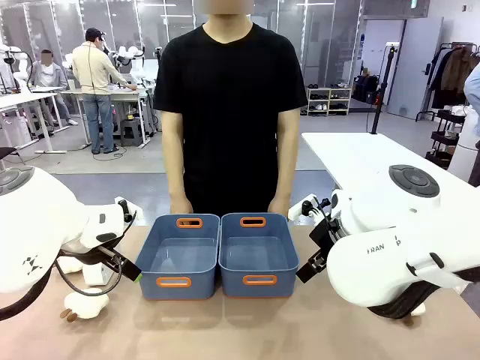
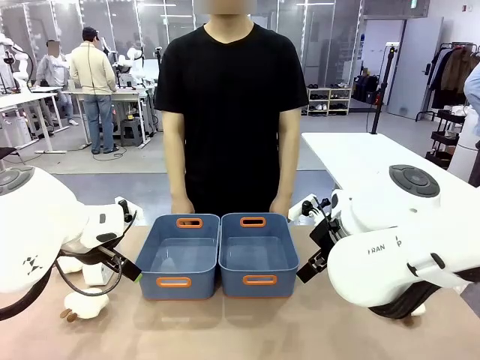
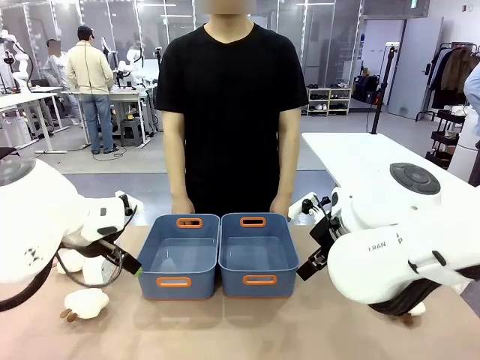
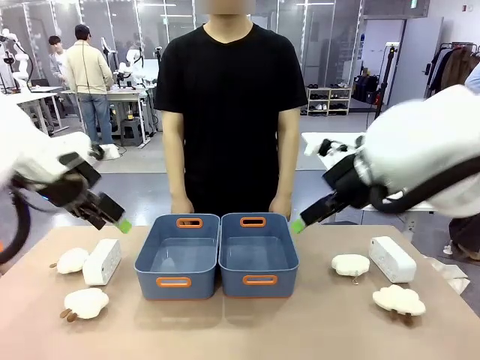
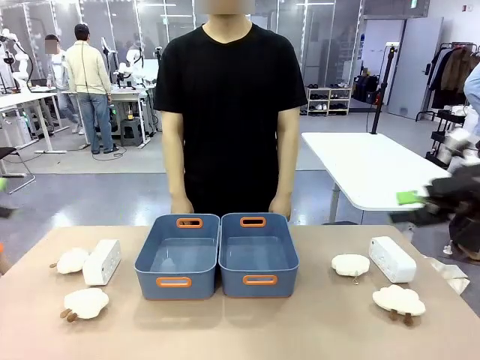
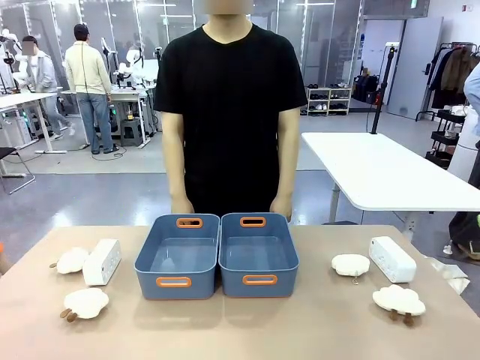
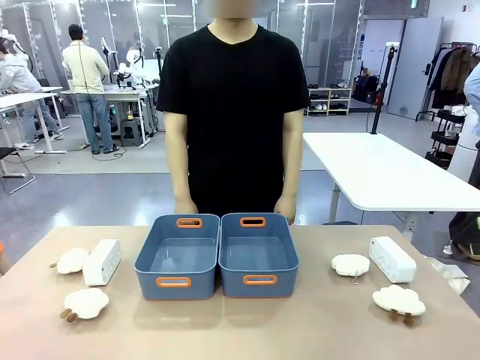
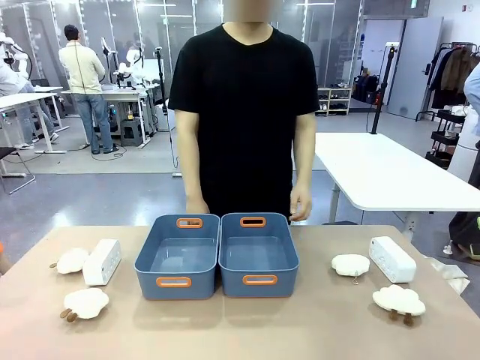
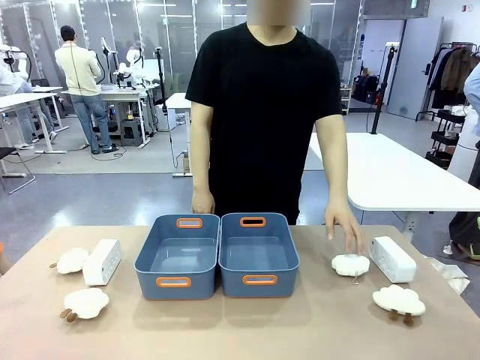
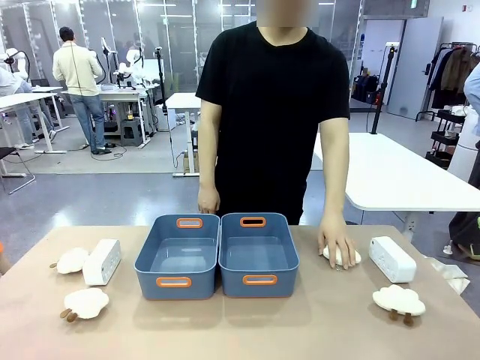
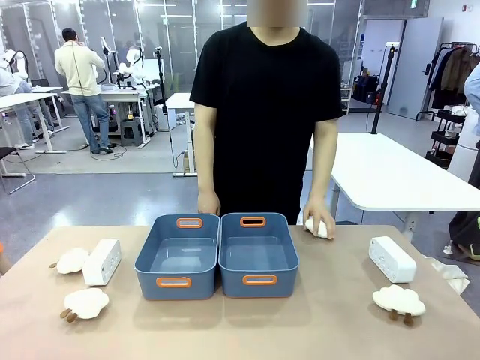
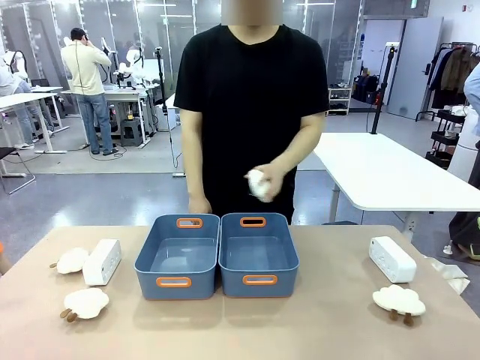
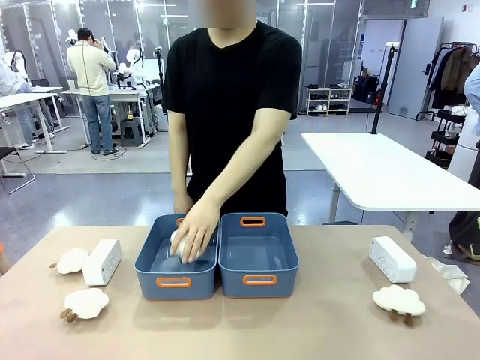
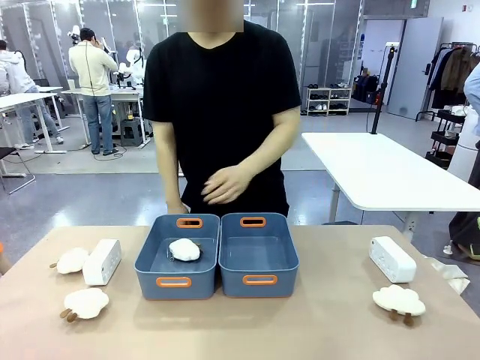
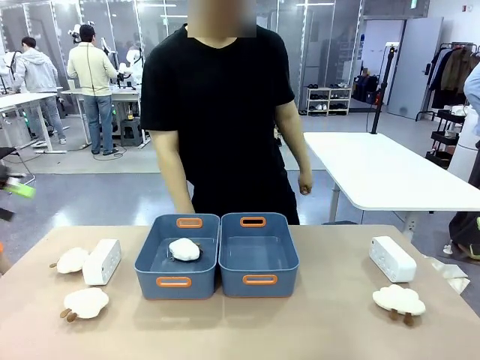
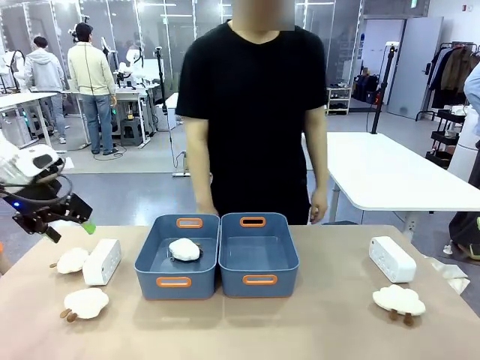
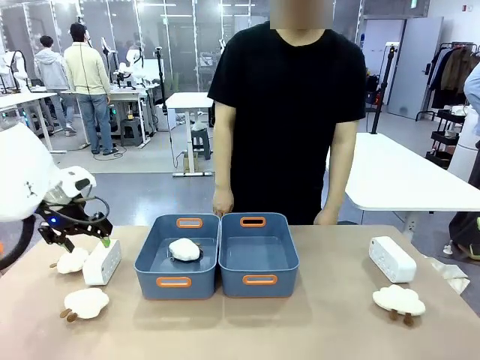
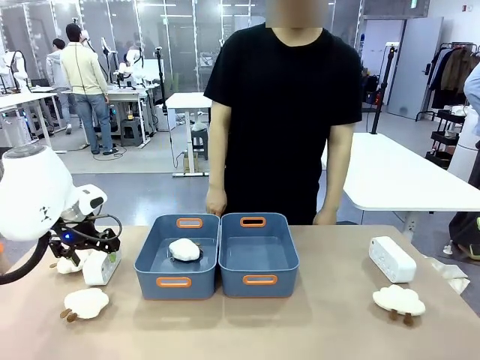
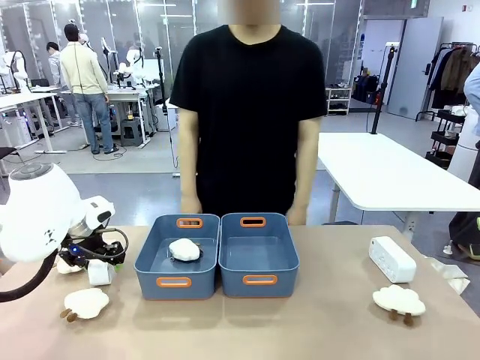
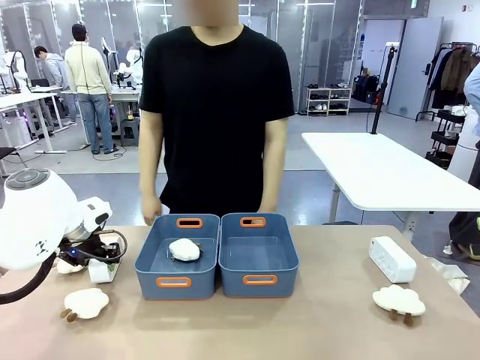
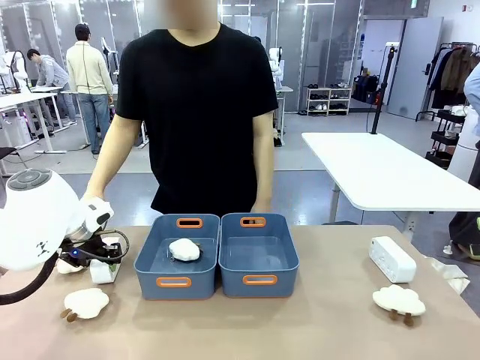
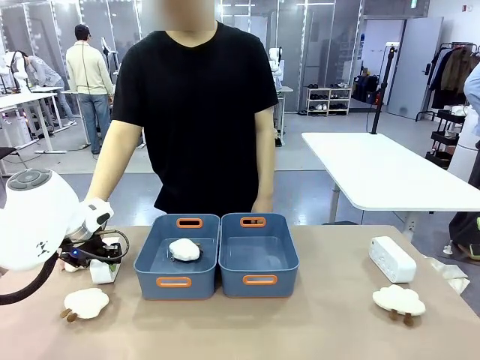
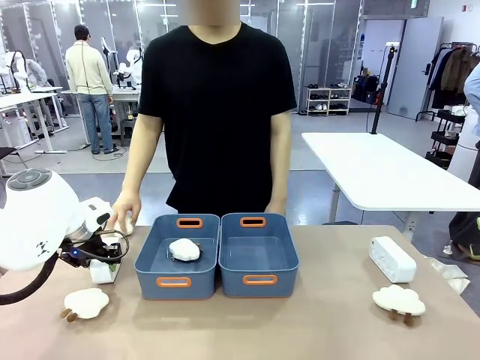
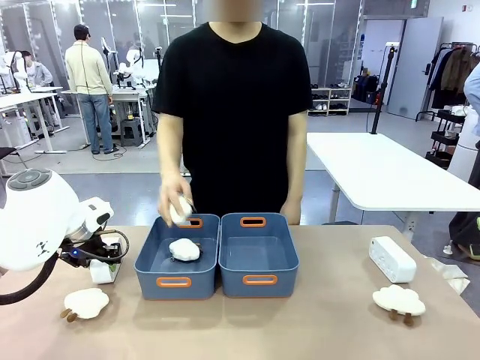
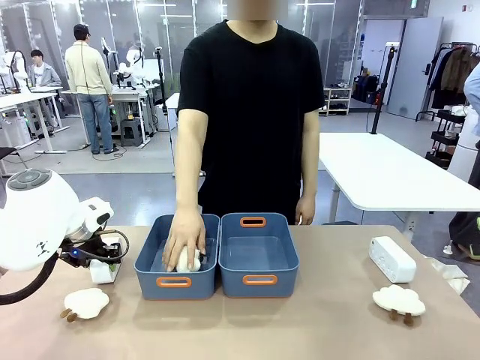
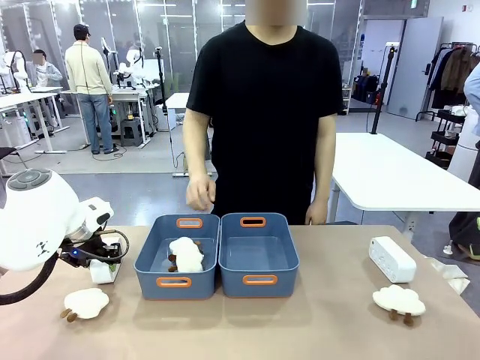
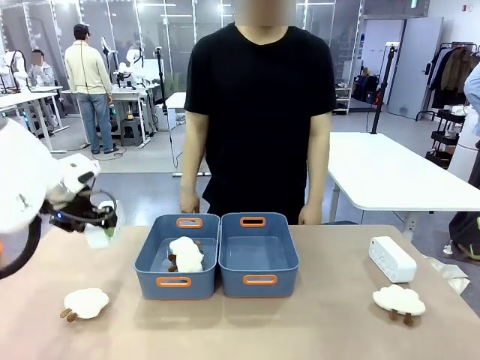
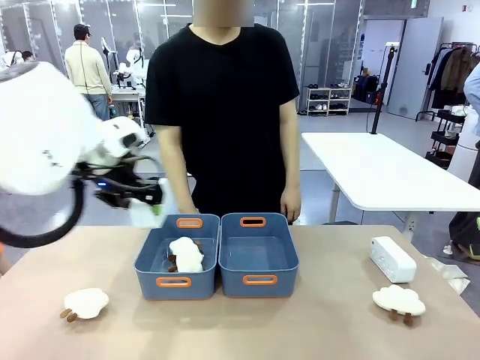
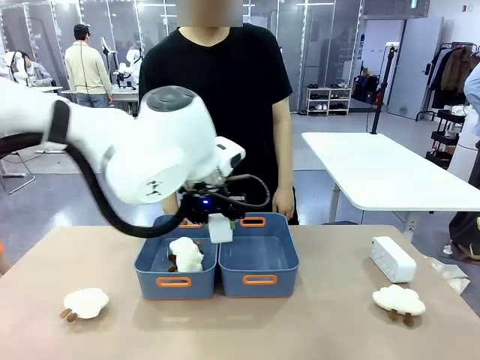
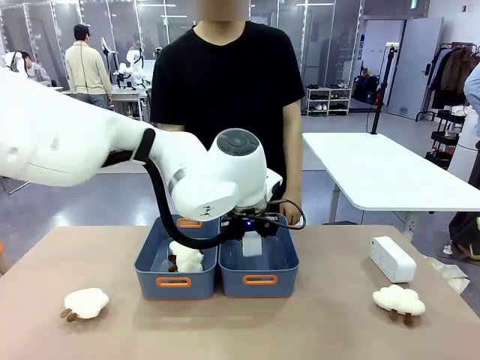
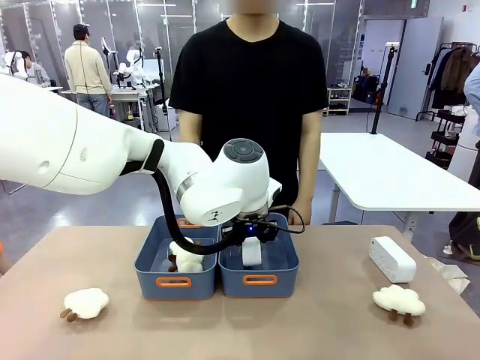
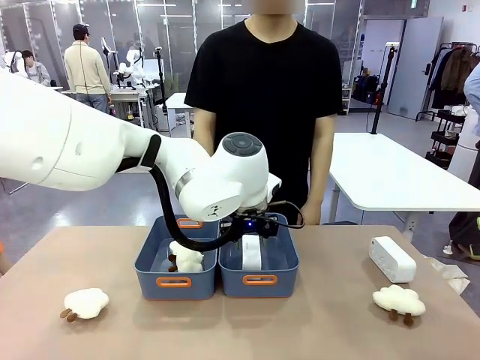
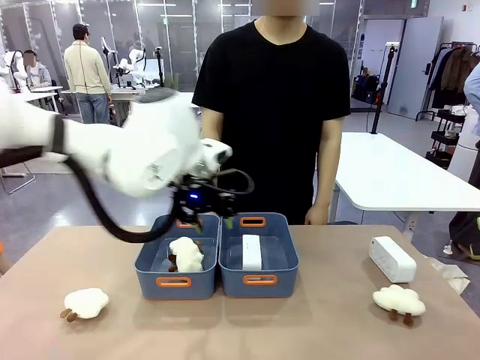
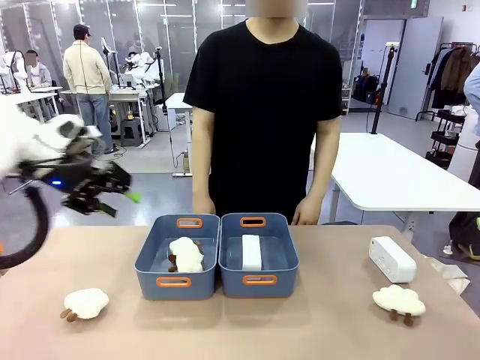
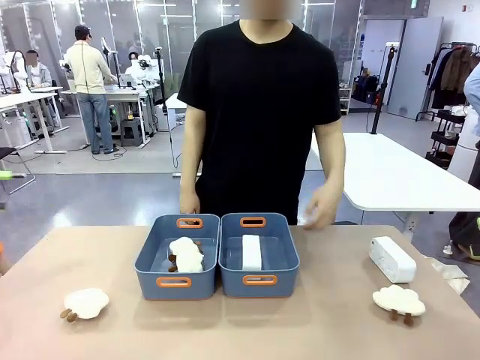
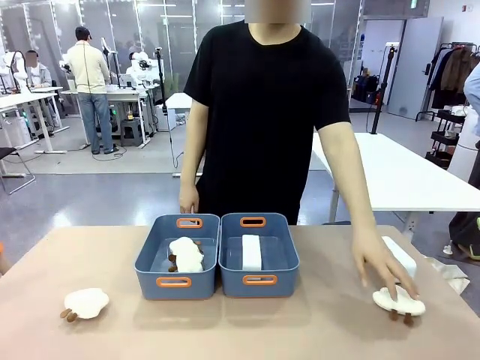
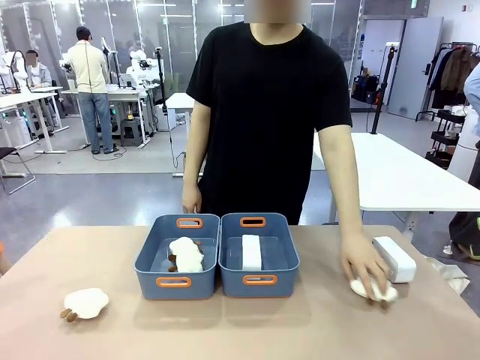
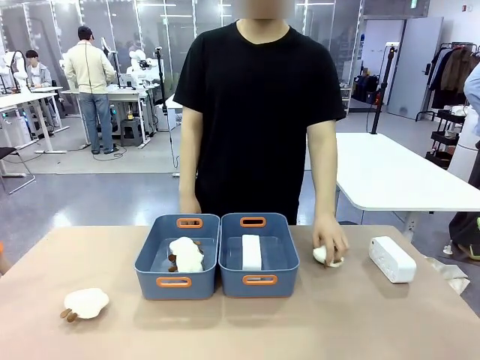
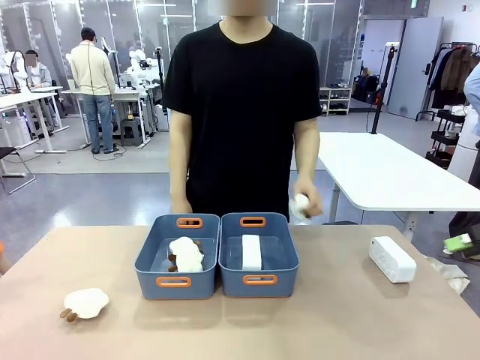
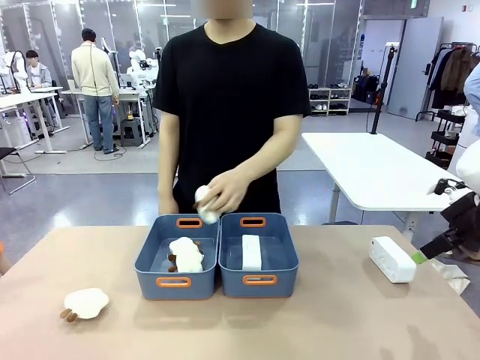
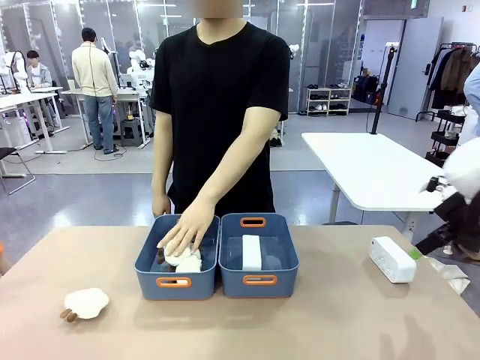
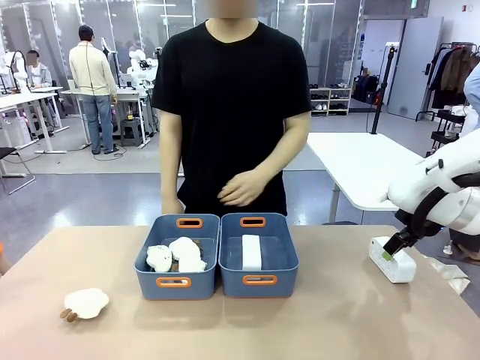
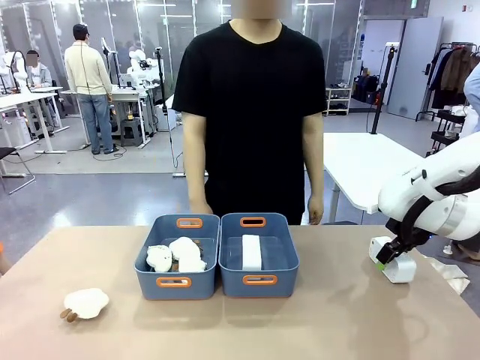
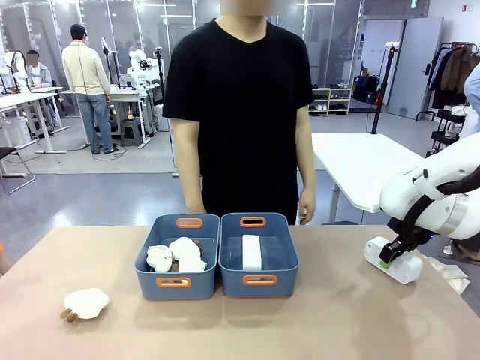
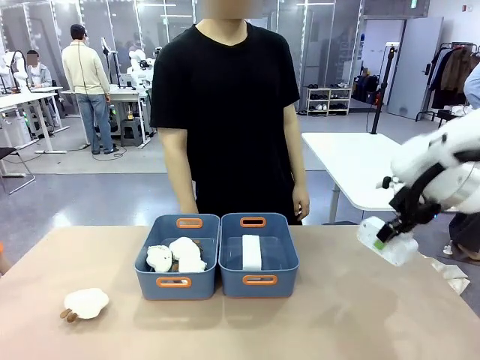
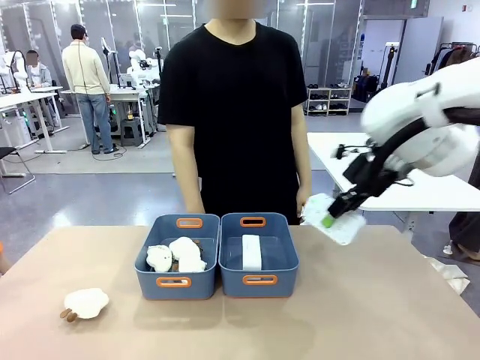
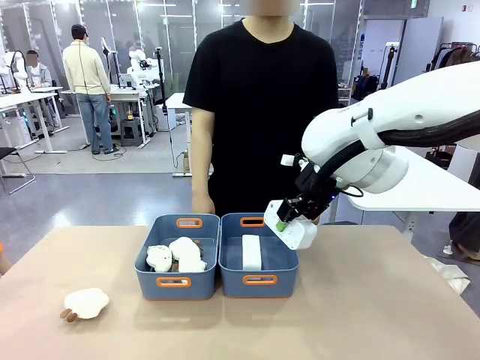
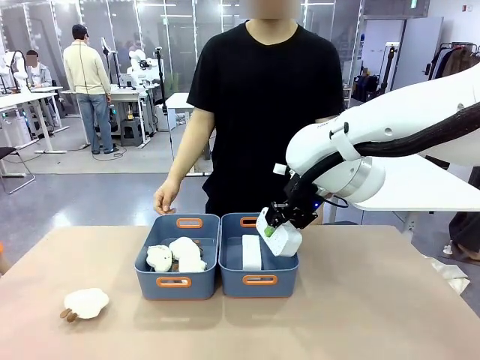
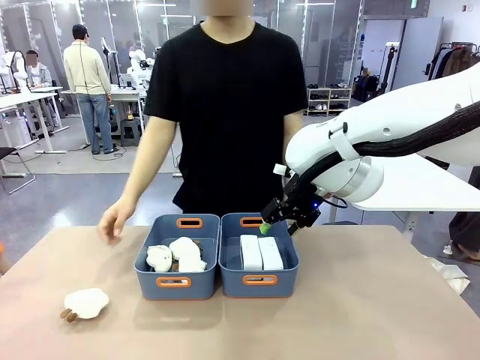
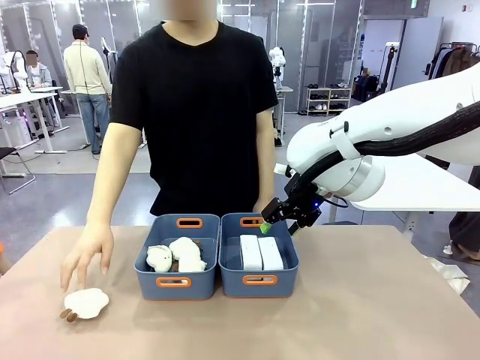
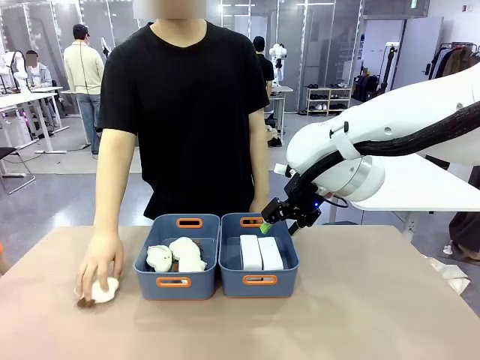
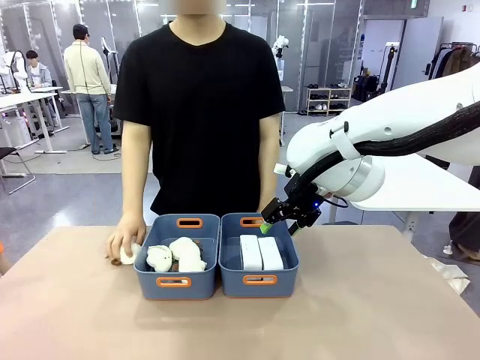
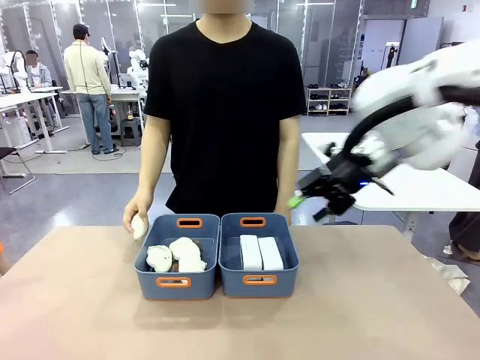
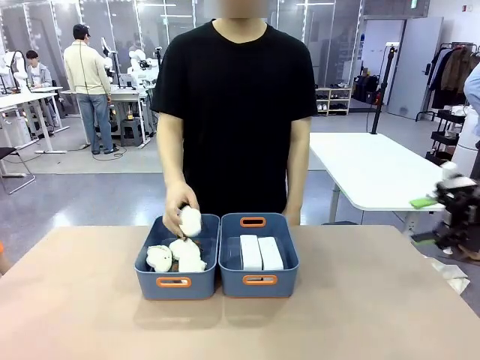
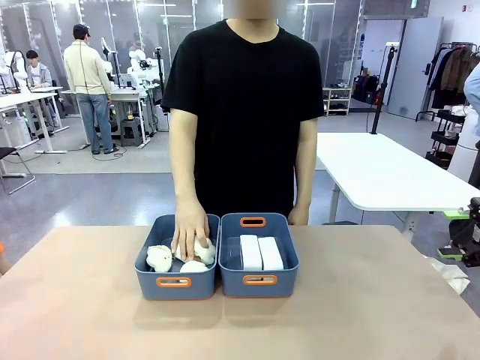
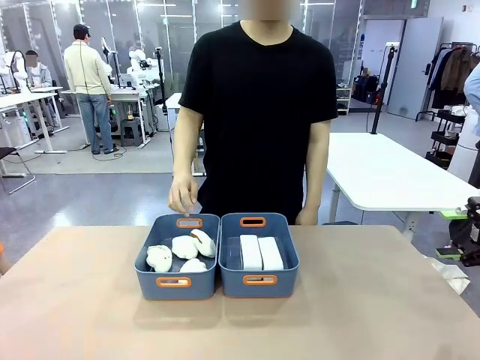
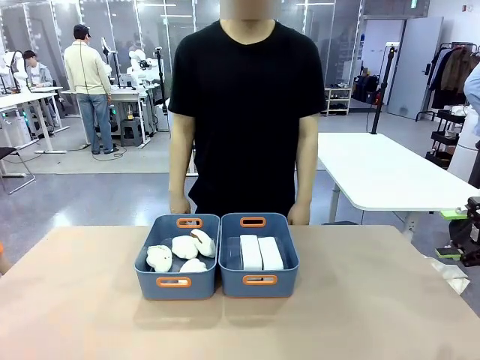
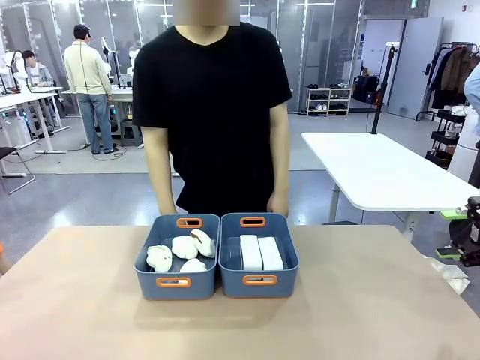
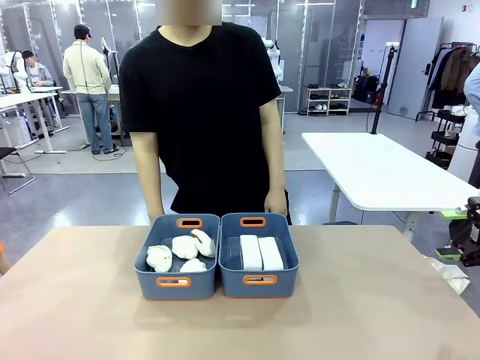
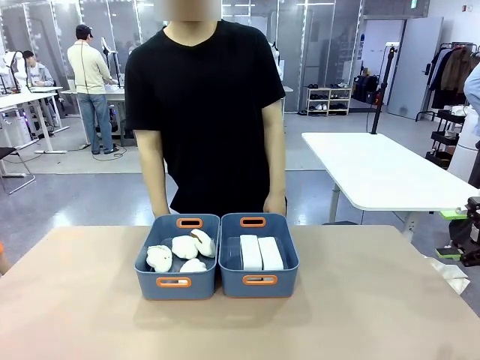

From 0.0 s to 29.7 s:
Task: Sort the digital clocks into the basket.
Robot: Pick up the Digital clock from the table and place it into the empty Plastic storage basket.
Person: Pick up a plush toy from the table and place it in a plastic storage basket. Pick up a plush toy from the table and place it in the plastic storage basket containing the plush toy.
